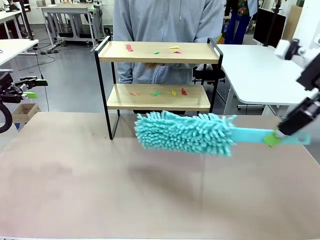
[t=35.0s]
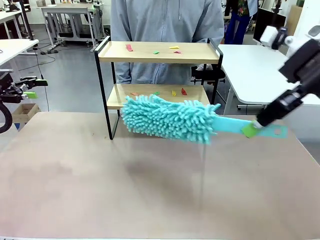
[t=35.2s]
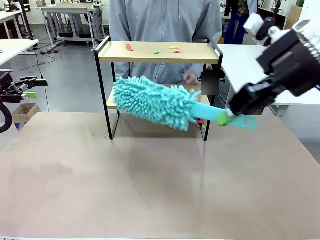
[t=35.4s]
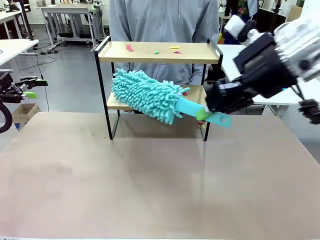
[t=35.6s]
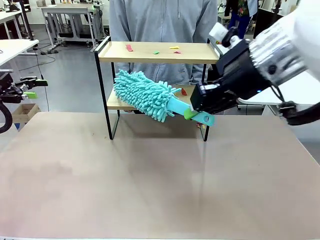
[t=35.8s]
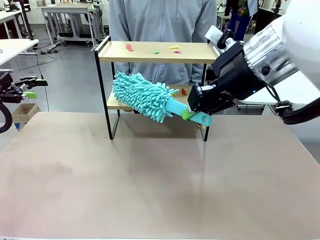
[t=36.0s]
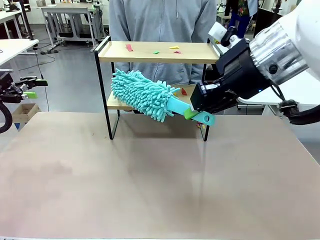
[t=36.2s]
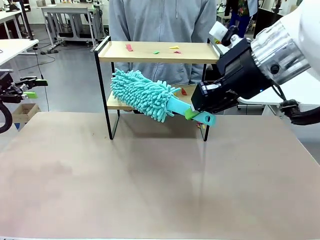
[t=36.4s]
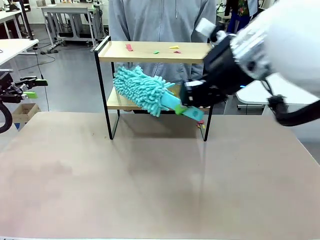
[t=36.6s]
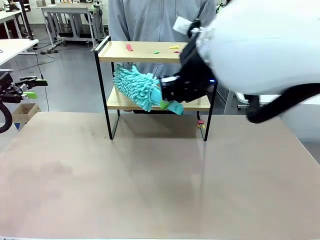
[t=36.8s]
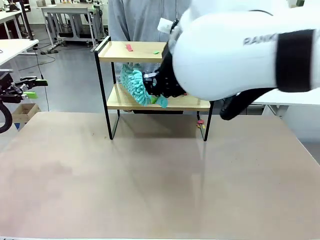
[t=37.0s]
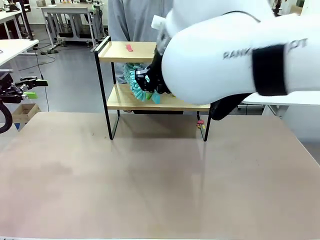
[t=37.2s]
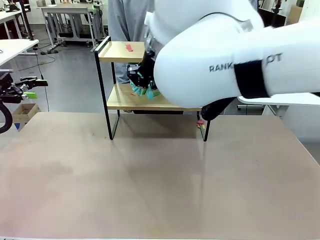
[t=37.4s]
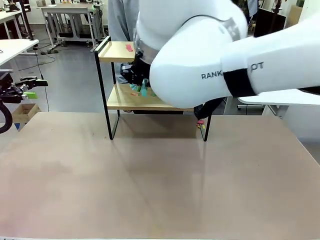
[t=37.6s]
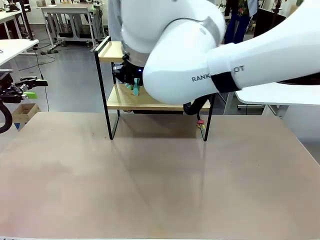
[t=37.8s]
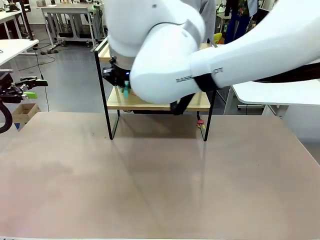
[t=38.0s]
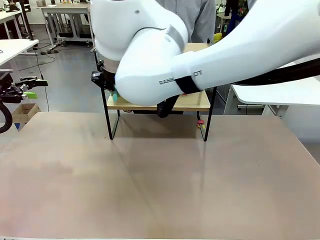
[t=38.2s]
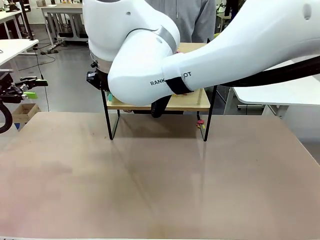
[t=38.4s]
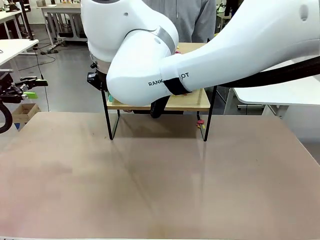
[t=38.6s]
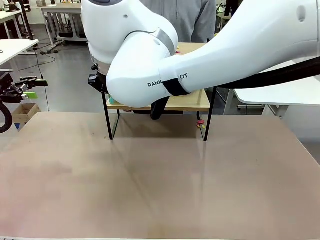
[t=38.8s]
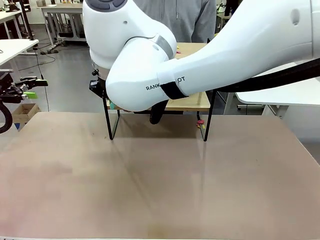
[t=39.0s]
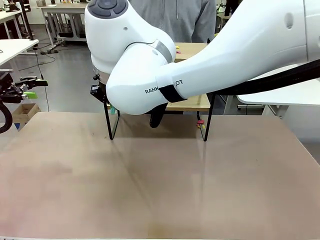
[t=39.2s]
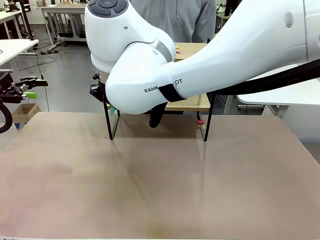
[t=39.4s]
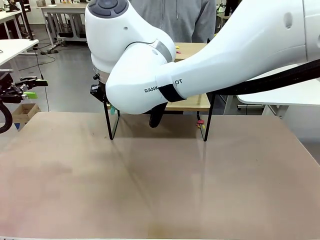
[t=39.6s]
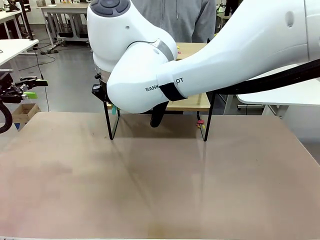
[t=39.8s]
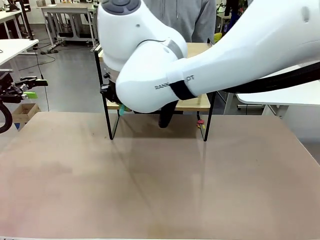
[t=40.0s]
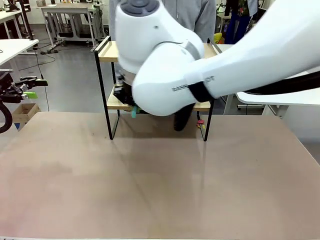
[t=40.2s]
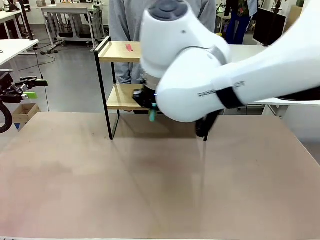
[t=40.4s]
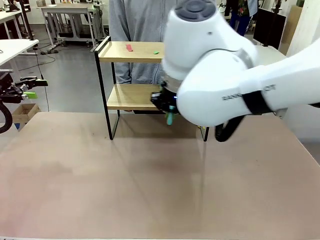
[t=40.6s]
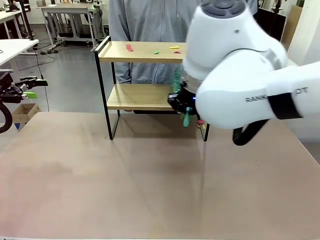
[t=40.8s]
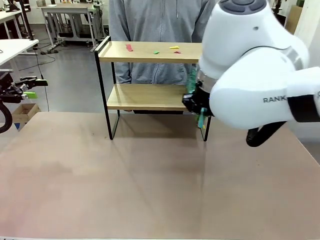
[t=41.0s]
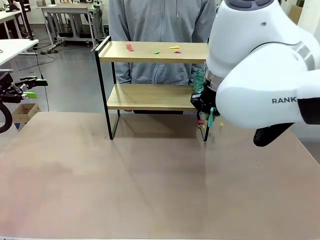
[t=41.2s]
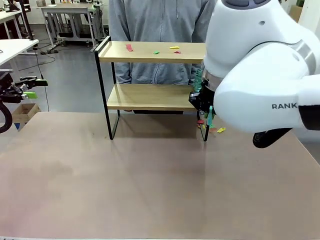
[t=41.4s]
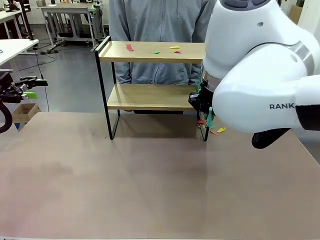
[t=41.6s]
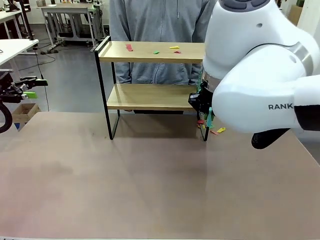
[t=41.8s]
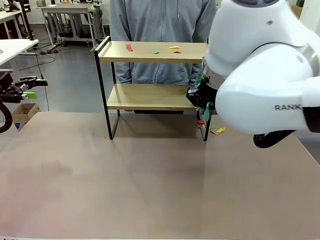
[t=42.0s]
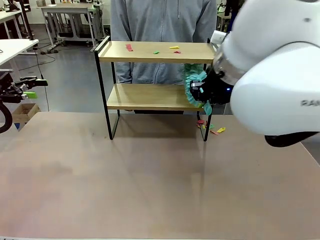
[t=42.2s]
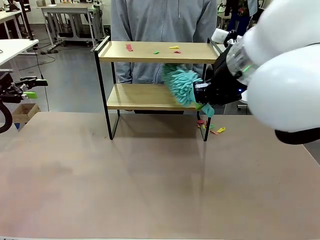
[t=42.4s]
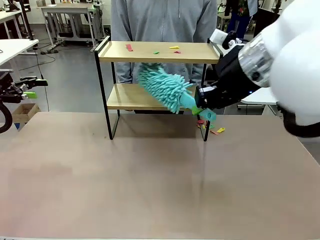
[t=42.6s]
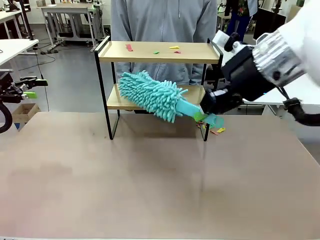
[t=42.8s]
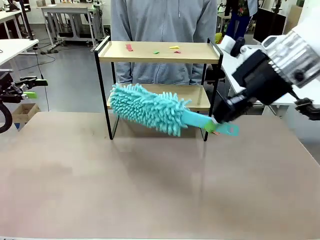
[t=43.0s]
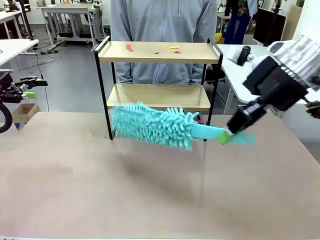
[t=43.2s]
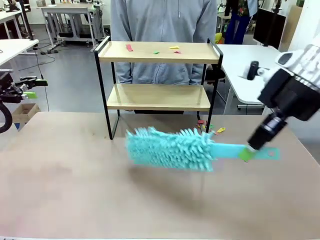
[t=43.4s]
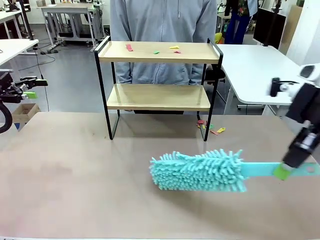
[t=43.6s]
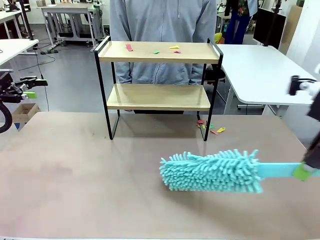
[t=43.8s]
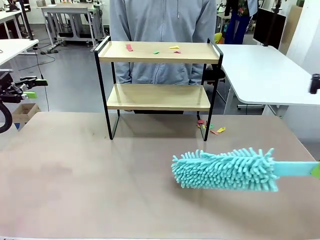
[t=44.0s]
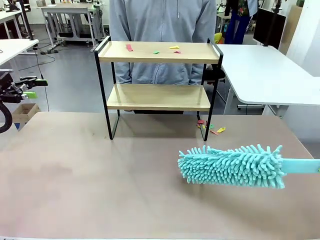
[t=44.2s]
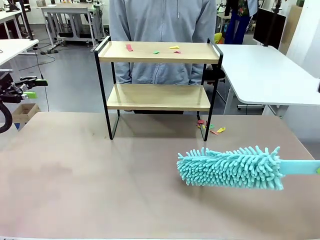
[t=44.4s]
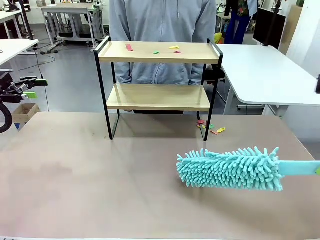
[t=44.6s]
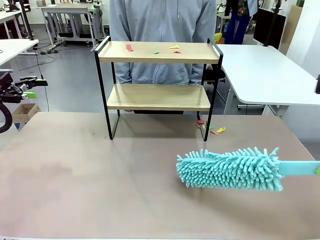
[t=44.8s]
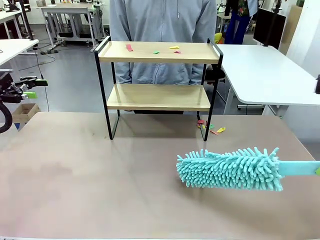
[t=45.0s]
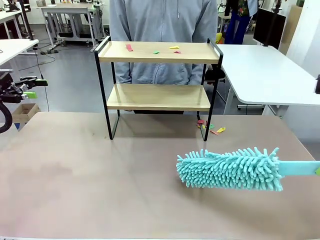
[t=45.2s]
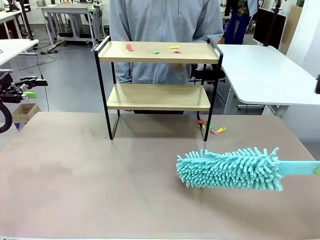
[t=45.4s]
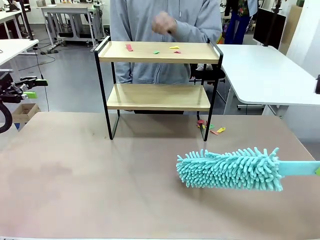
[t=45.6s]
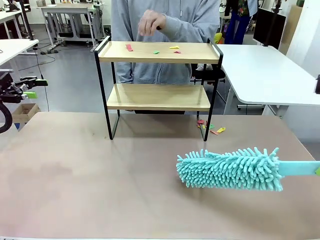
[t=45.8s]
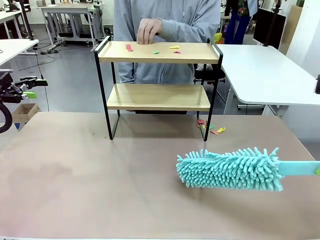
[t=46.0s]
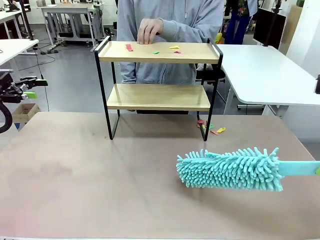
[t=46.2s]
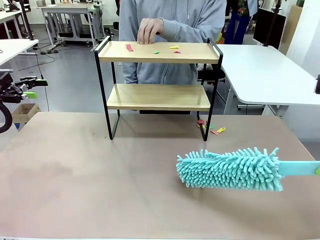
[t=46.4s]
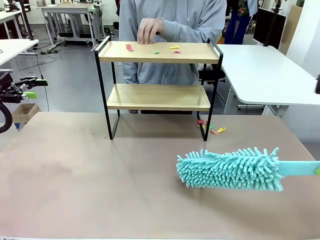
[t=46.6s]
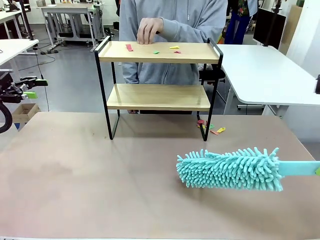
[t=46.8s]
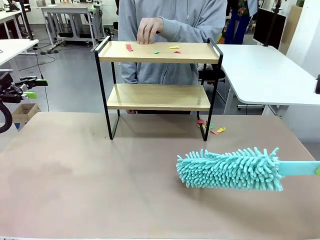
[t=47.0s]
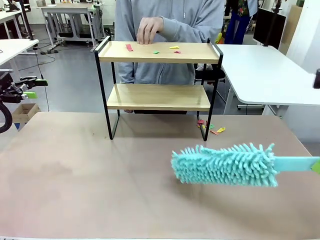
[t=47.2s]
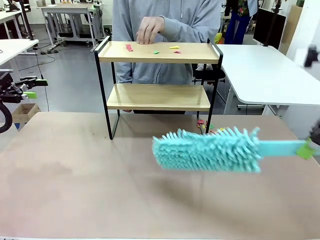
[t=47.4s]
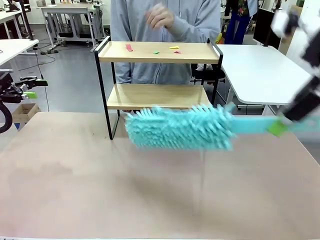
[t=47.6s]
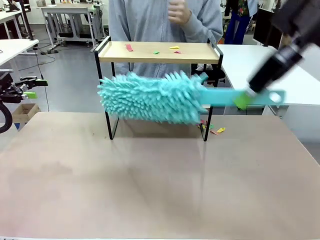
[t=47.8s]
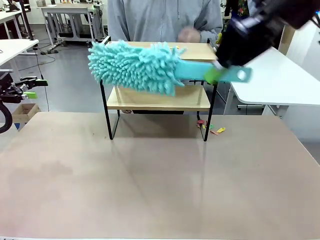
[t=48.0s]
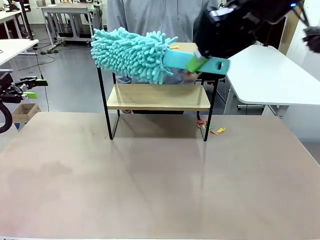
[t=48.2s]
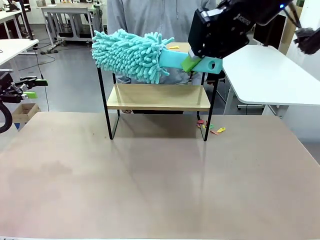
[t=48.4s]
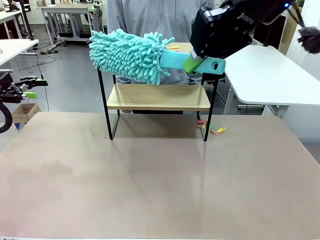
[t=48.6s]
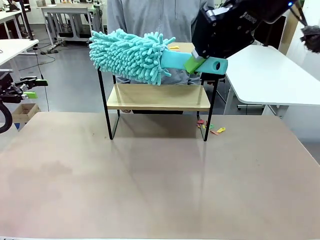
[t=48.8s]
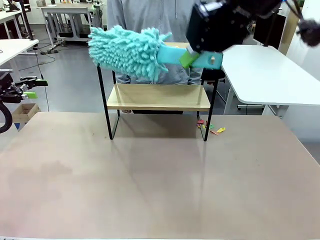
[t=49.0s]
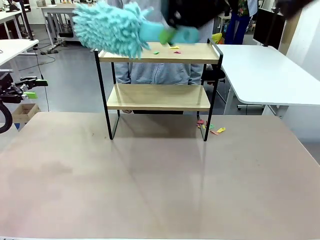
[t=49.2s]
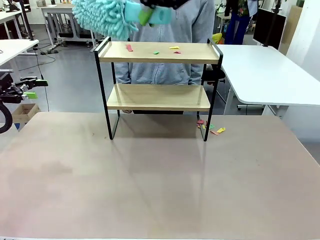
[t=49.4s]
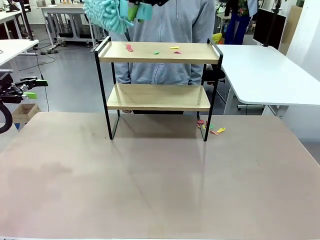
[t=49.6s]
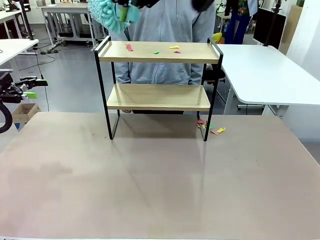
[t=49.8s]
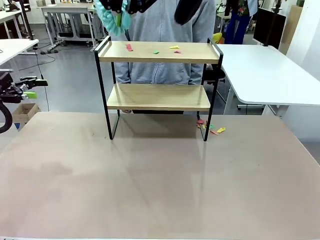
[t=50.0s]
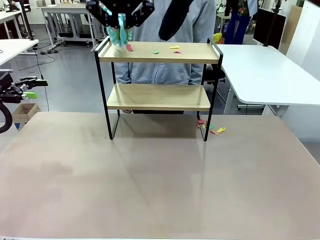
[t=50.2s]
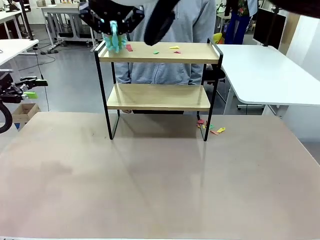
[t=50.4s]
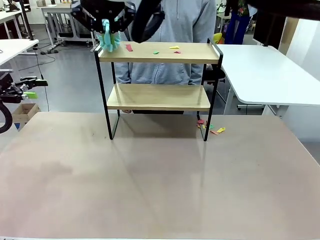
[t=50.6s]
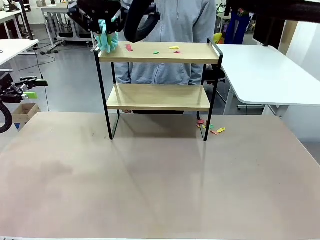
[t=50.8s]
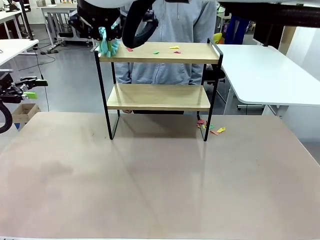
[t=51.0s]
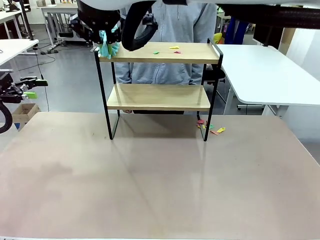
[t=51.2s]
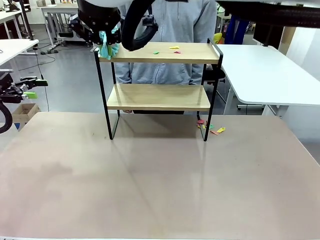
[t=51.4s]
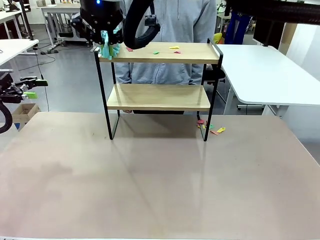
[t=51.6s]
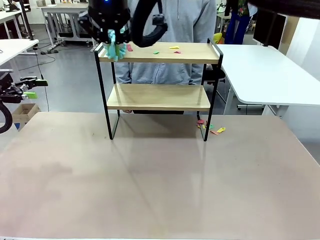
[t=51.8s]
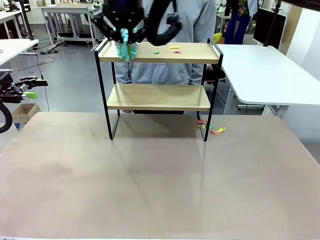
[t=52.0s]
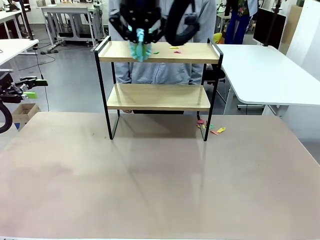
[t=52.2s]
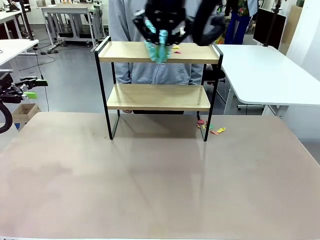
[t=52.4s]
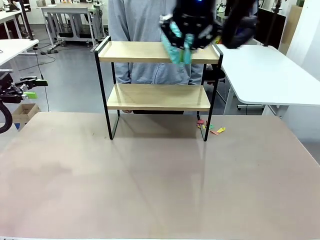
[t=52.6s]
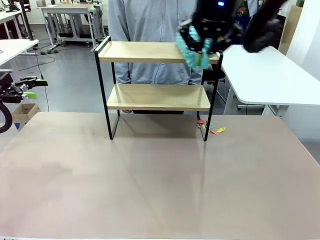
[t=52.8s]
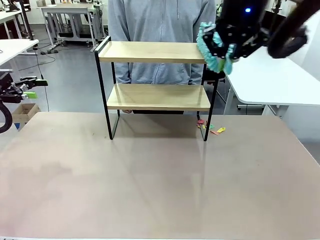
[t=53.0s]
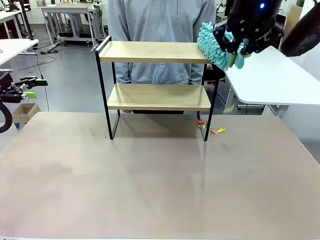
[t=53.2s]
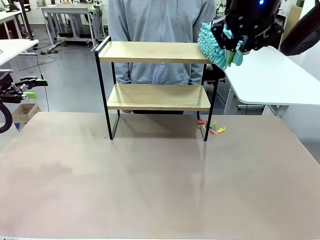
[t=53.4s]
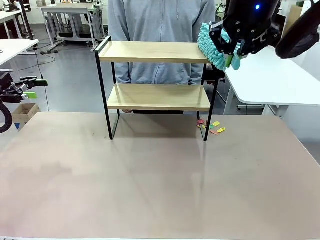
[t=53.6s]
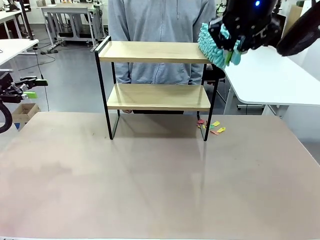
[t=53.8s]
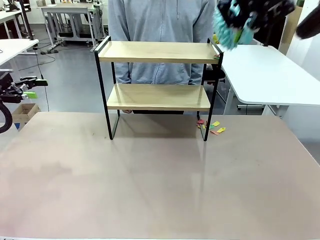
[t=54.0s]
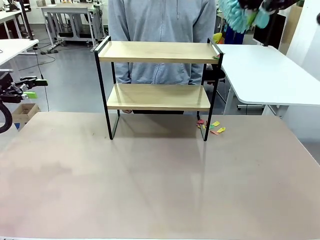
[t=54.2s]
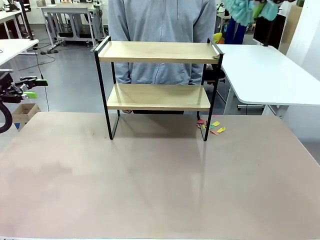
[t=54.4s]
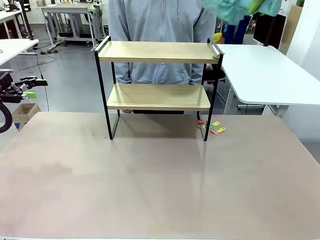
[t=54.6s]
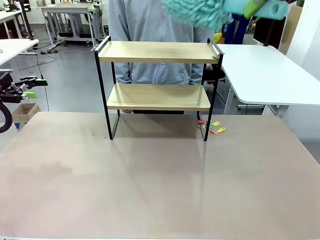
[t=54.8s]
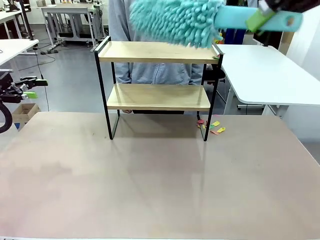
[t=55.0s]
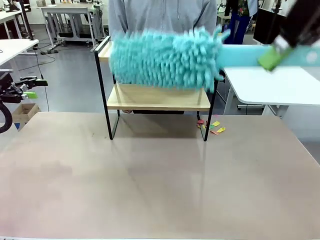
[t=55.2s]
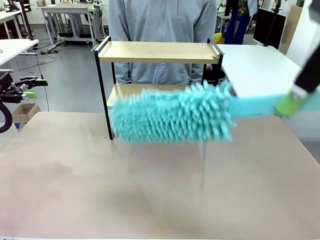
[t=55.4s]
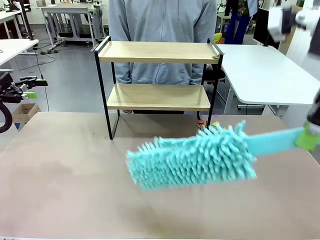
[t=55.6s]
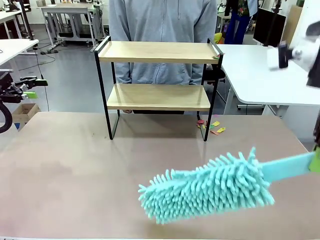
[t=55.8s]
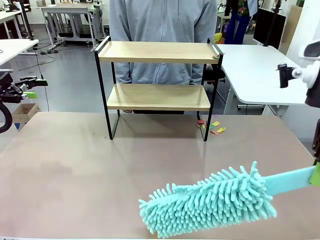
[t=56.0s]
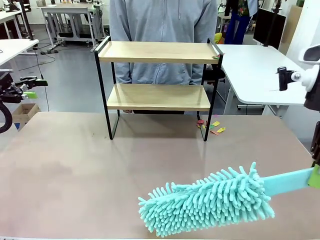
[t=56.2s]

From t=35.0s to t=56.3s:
Task: Clean the shelf.
Robot: Clean the specific section of the Shelf indicated by the human with the Duster.
Person: Point a remaining section of the Shelf.
